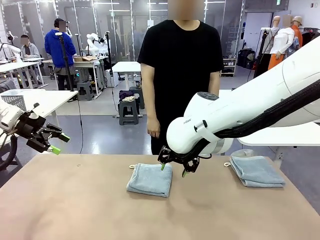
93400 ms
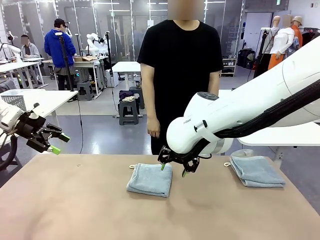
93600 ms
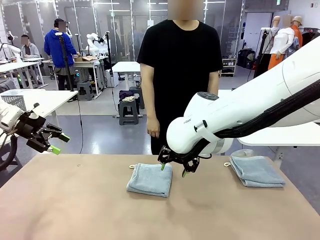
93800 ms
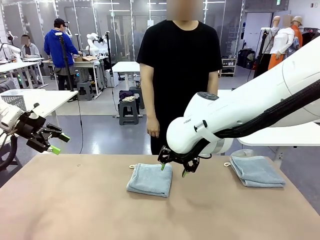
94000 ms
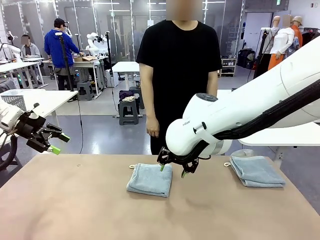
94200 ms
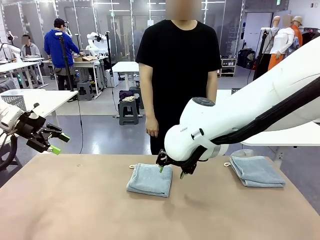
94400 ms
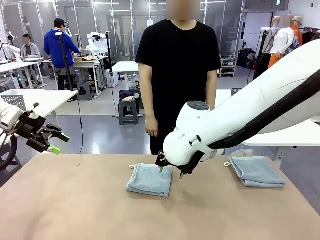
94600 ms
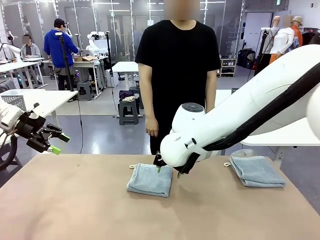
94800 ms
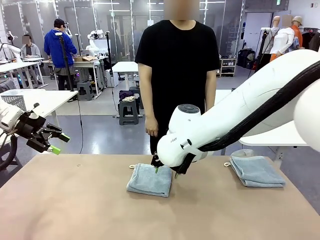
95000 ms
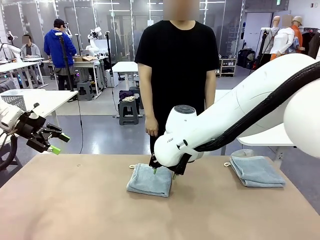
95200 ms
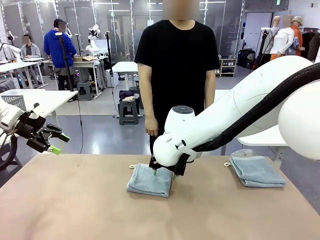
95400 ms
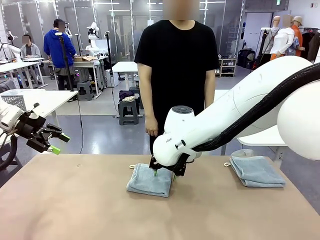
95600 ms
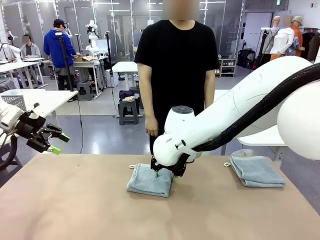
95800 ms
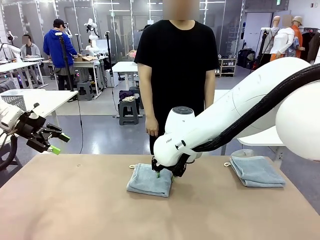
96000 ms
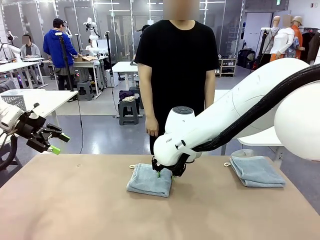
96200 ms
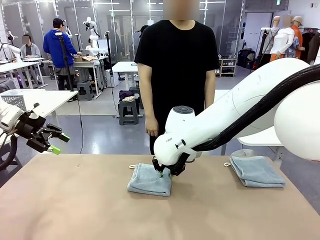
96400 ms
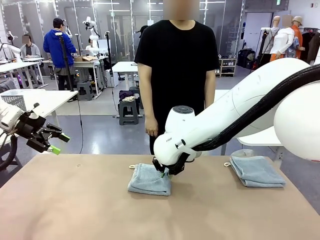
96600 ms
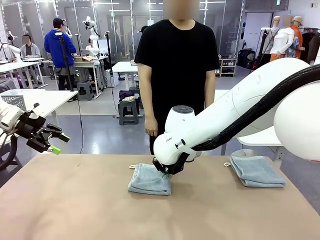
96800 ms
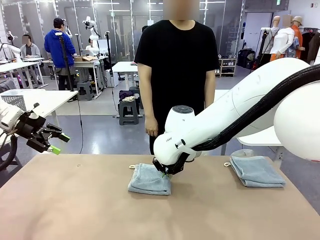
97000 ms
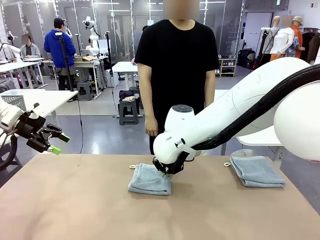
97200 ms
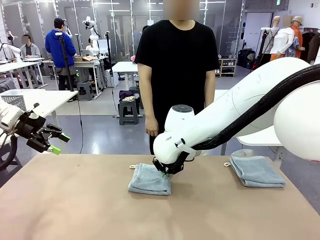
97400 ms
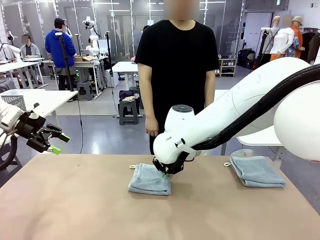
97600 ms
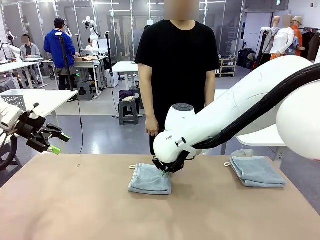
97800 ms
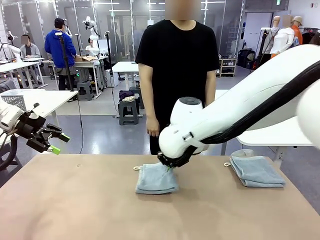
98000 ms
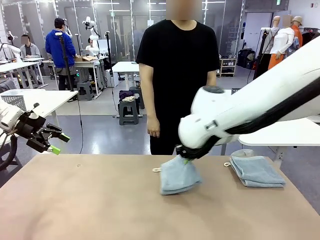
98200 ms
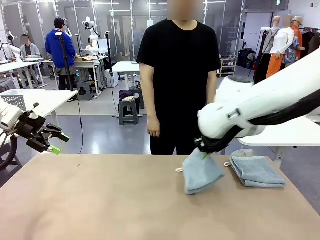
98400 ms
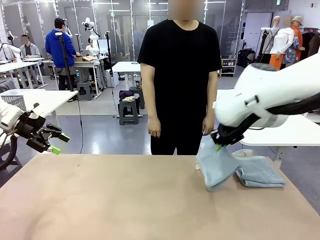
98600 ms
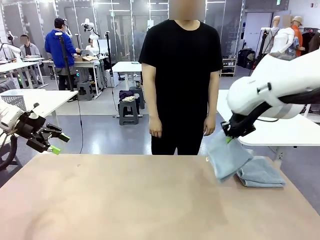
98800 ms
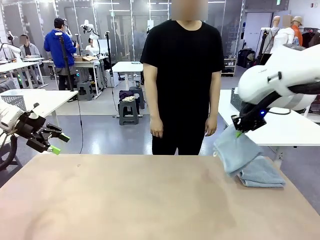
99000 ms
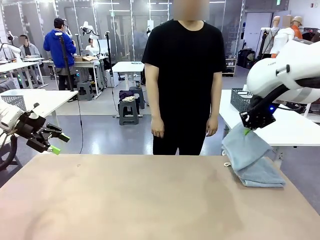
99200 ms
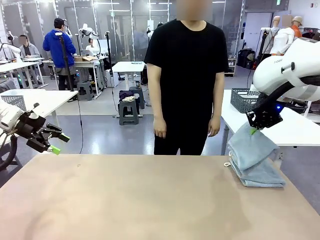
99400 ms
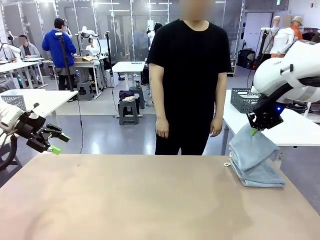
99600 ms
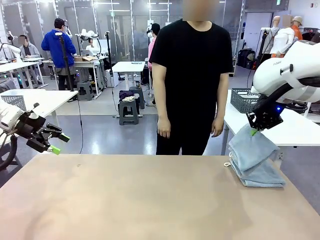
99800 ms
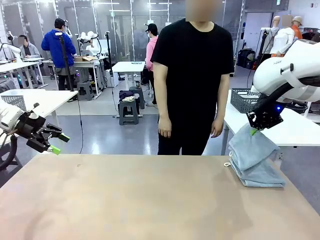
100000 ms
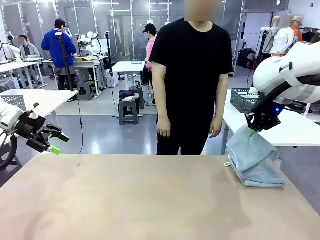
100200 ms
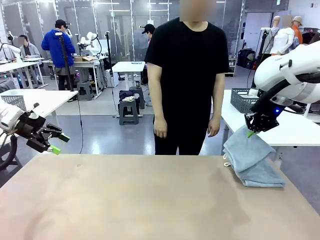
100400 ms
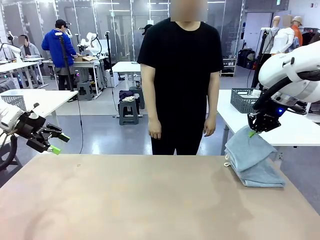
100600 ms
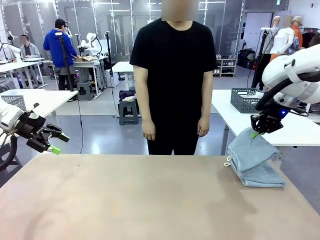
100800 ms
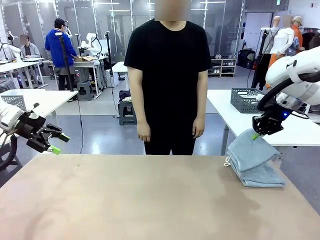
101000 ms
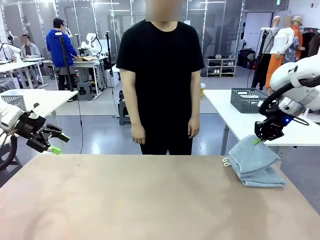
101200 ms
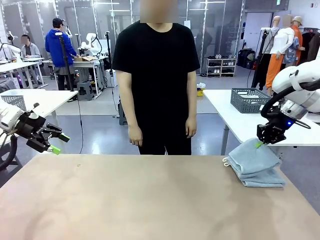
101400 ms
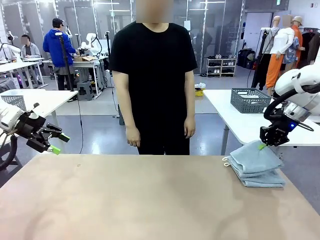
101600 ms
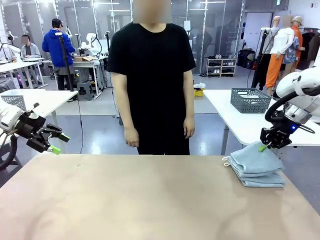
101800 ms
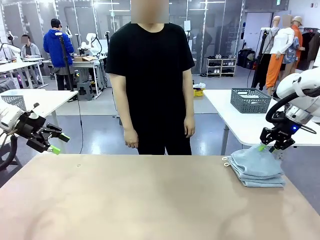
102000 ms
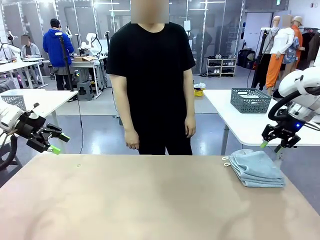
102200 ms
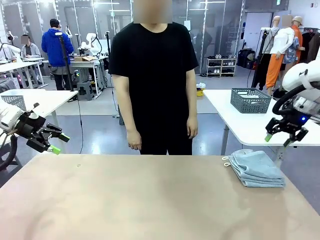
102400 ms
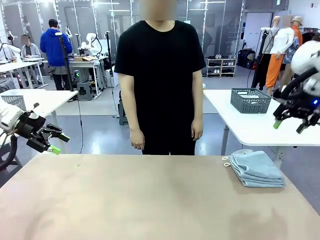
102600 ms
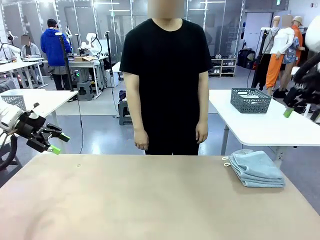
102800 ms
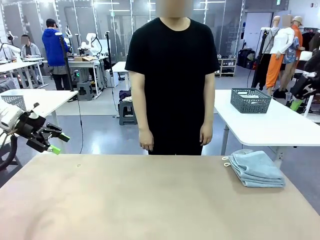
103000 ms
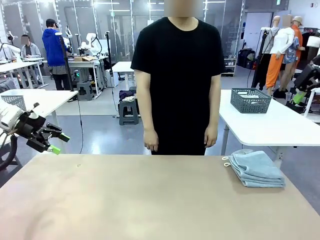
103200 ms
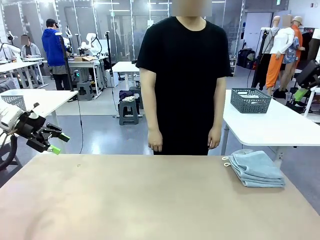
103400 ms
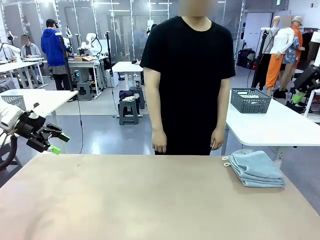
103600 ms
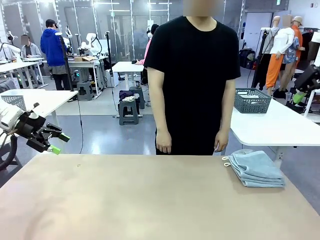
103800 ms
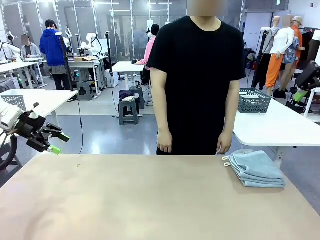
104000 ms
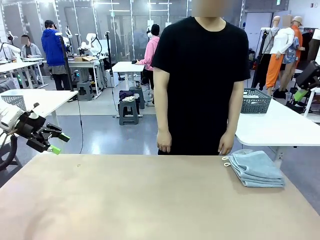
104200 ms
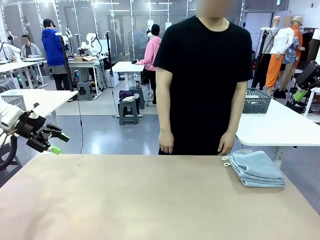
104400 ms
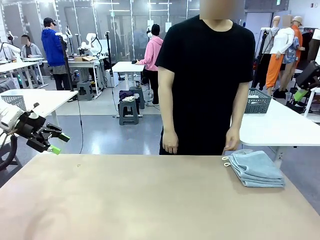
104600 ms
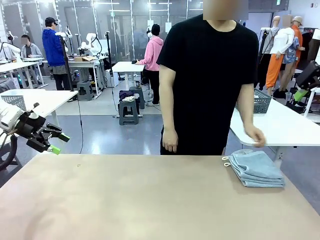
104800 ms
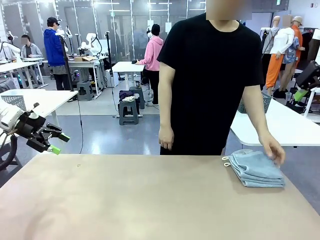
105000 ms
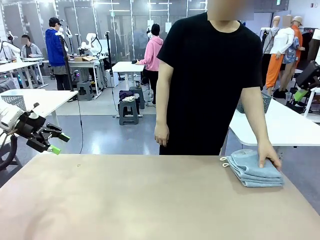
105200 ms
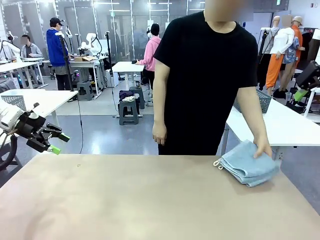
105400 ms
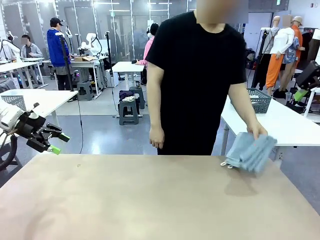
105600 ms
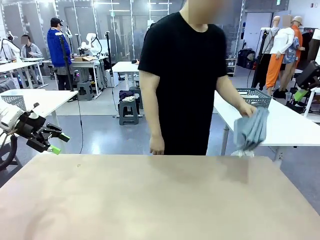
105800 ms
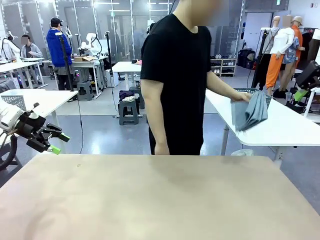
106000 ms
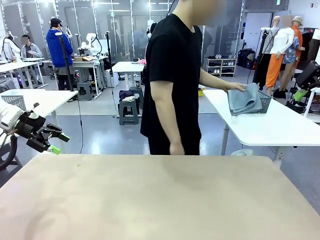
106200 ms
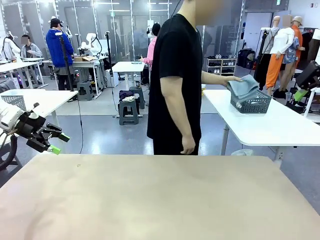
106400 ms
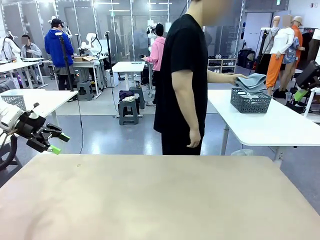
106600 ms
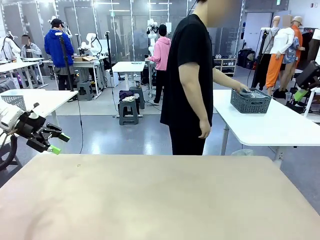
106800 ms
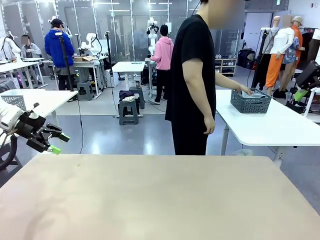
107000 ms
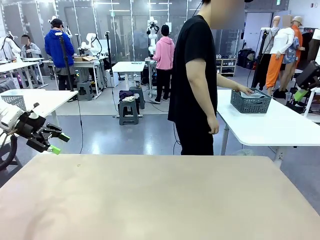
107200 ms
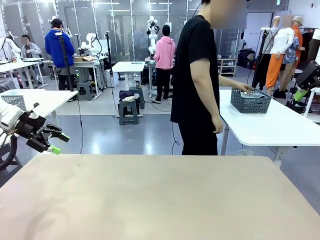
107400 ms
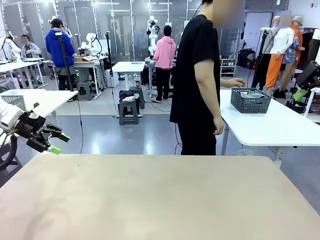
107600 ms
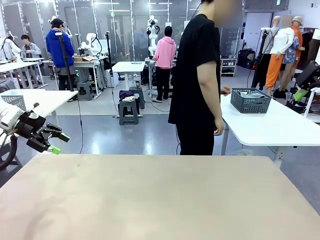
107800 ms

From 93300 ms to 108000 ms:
Task: Fold the towels and place them in the basket.
Robot: Stack the folded Towel with hook on the right side of the table.
Person: Pick up the stack of towels from the robot table and place it into the basket.

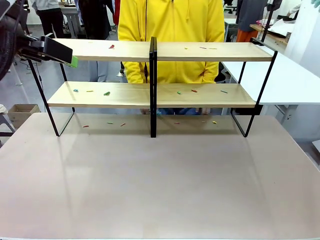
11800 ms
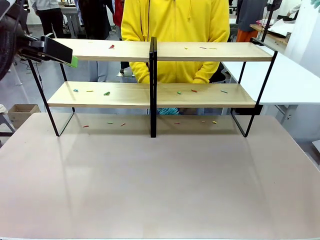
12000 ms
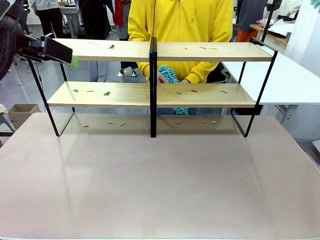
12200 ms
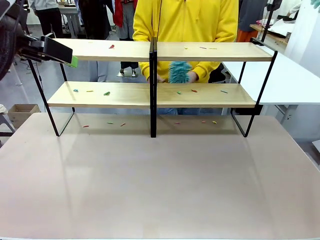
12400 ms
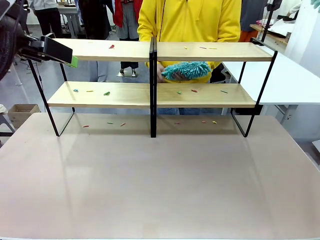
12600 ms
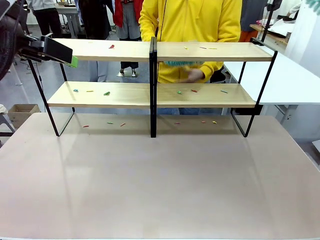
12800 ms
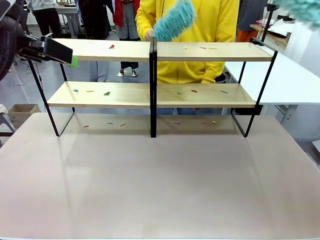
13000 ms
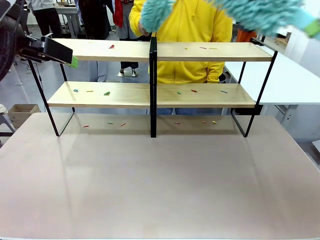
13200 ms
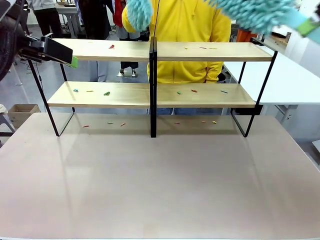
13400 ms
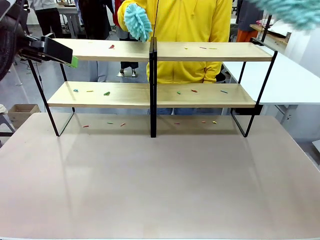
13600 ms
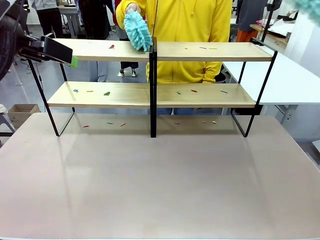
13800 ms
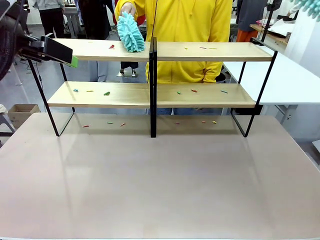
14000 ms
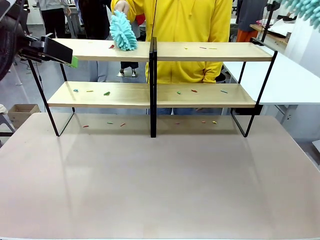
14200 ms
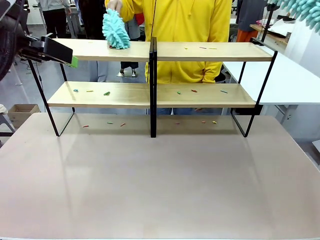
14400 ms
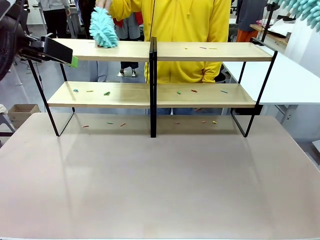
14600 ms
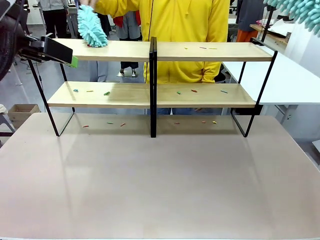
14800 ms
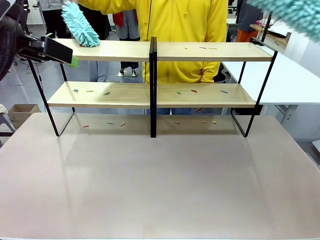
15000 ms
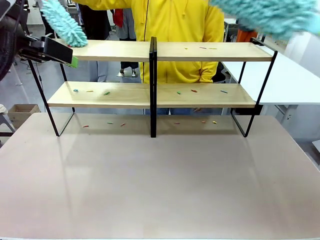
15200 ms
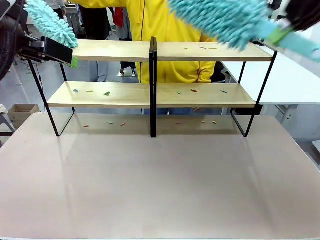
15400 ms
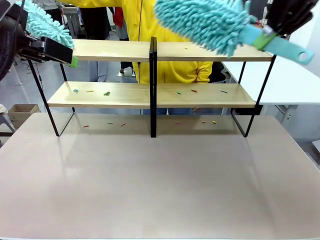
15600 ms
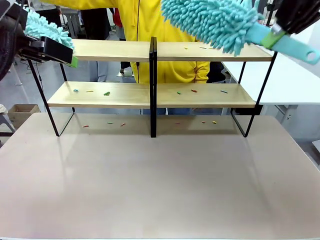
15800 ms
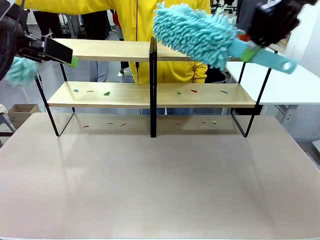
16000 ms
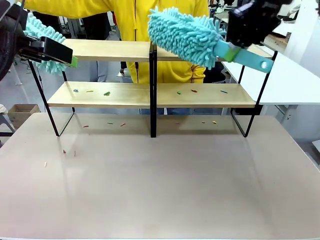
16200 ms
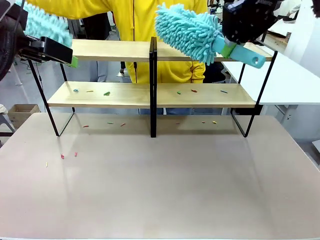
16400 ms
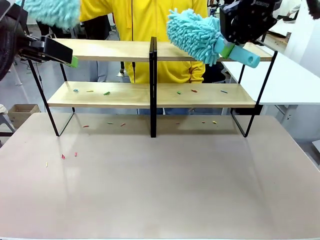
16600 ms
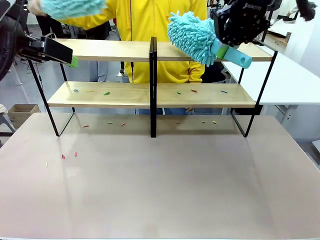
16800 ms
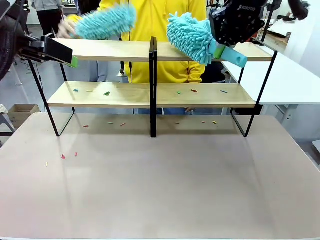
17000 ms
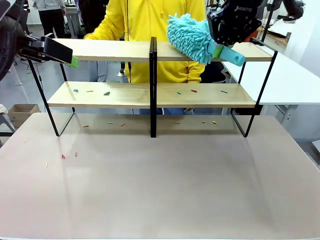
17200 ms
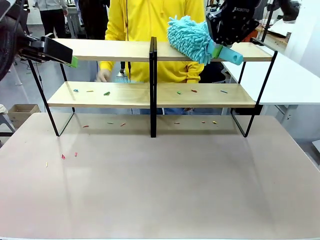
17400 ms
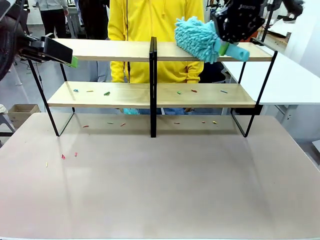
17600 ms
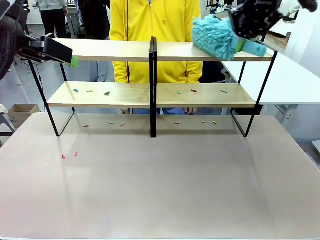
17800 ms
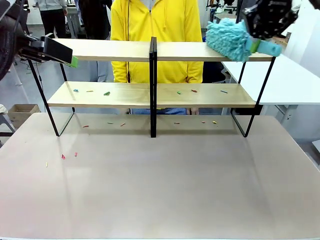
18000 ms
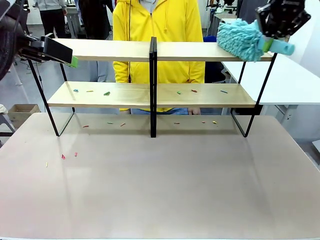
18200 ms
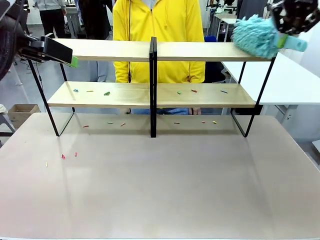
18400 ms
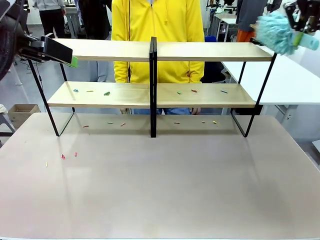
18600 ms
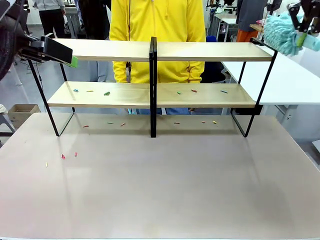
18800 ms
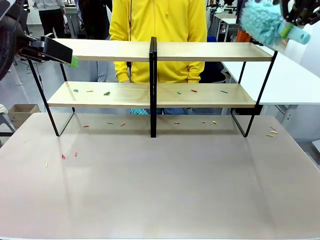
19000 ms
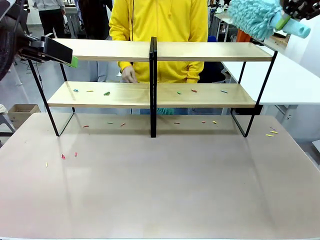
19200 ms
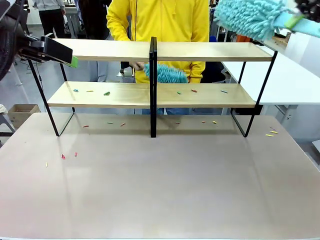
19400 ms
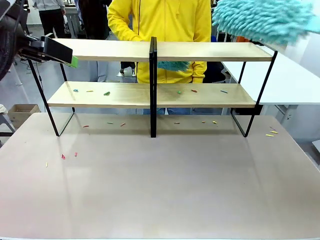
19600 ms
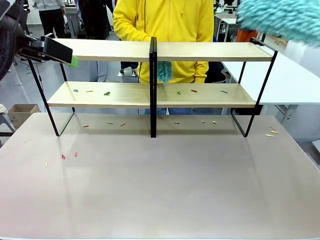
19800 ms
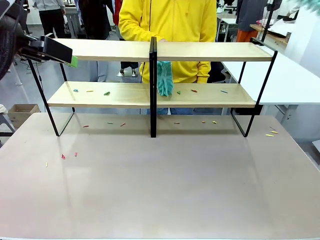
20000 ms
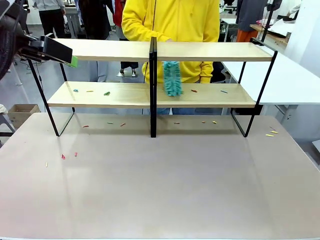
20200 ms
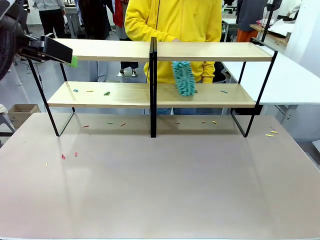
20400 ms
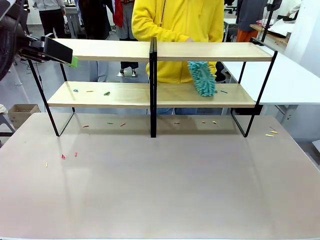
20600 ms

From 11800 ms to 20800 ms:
Task: Clean the shelves.
Robot: Clean a randomly selected level of the Shelf with the Duster.
